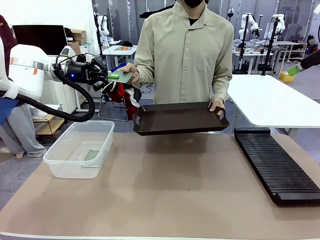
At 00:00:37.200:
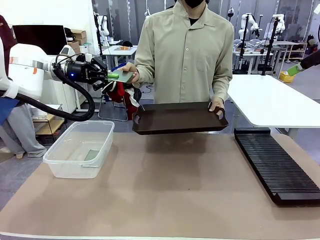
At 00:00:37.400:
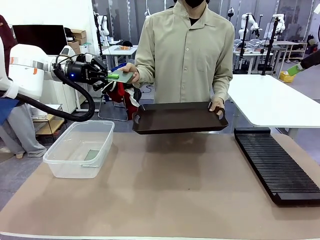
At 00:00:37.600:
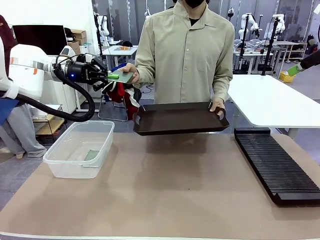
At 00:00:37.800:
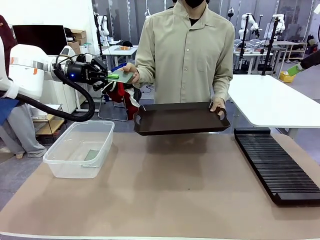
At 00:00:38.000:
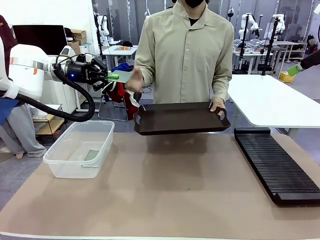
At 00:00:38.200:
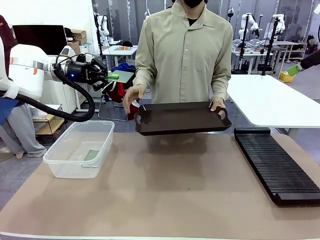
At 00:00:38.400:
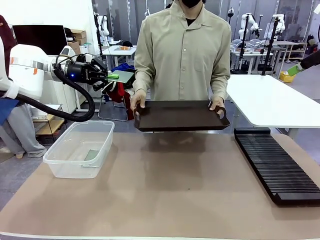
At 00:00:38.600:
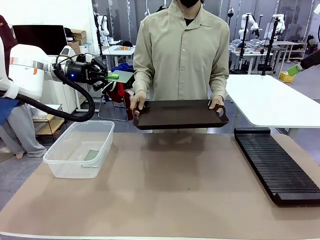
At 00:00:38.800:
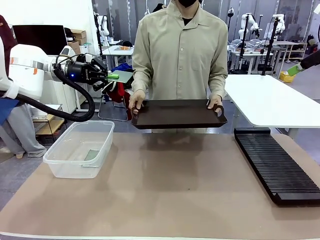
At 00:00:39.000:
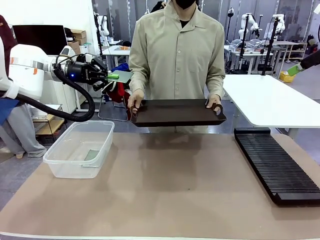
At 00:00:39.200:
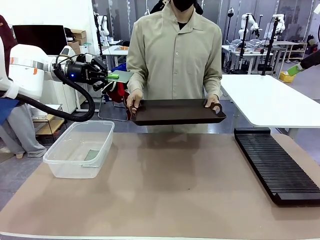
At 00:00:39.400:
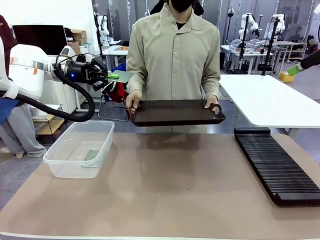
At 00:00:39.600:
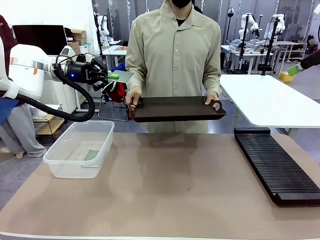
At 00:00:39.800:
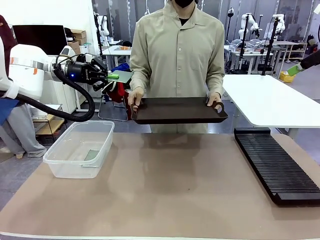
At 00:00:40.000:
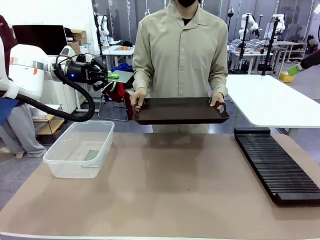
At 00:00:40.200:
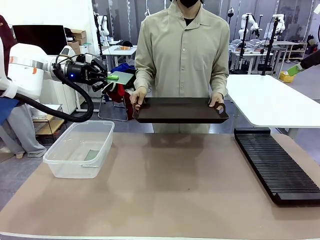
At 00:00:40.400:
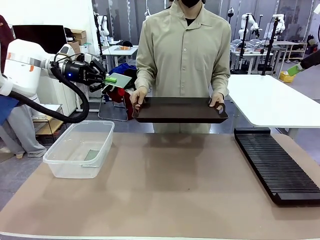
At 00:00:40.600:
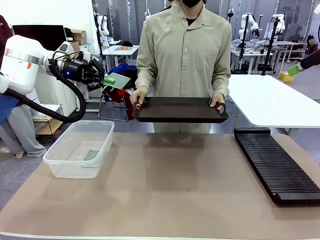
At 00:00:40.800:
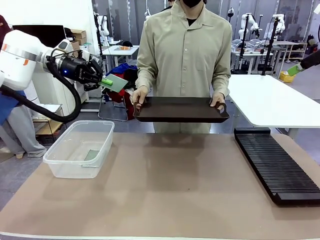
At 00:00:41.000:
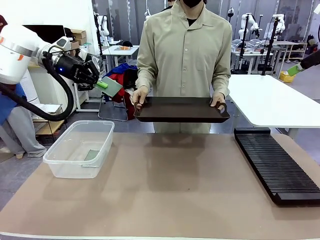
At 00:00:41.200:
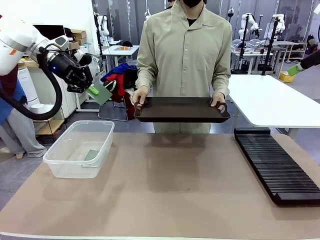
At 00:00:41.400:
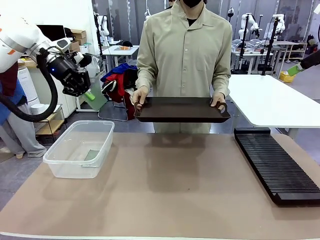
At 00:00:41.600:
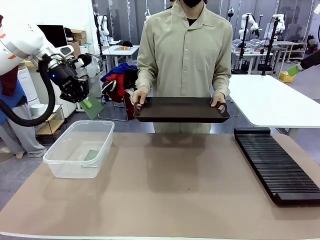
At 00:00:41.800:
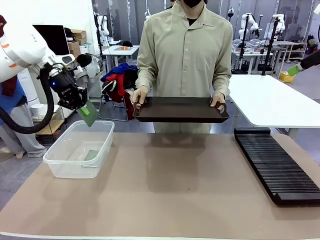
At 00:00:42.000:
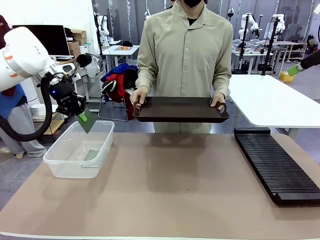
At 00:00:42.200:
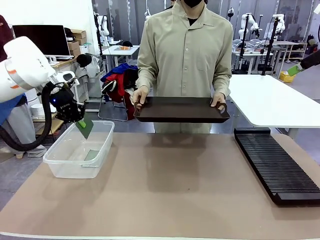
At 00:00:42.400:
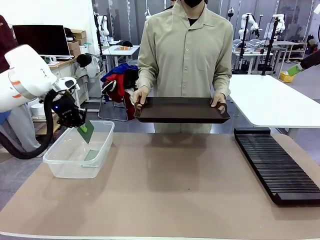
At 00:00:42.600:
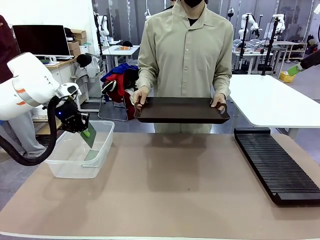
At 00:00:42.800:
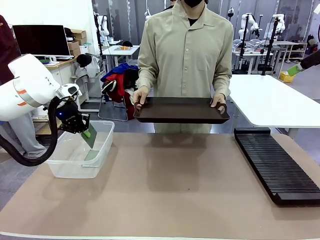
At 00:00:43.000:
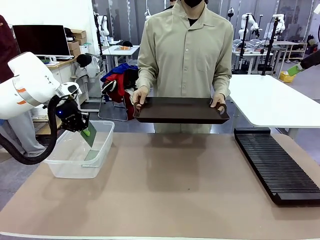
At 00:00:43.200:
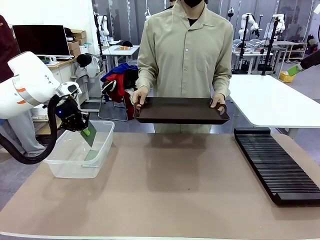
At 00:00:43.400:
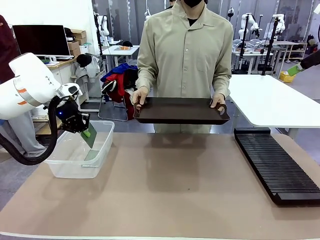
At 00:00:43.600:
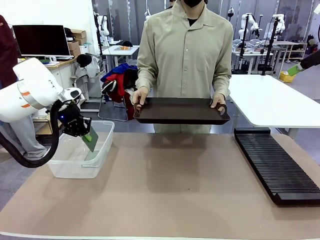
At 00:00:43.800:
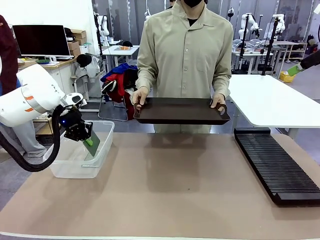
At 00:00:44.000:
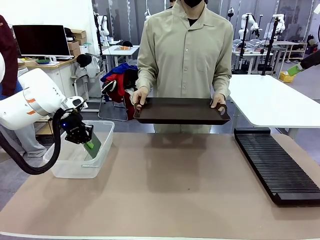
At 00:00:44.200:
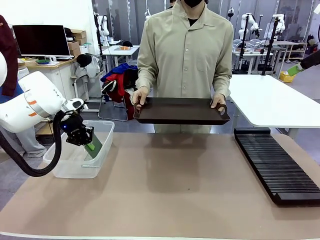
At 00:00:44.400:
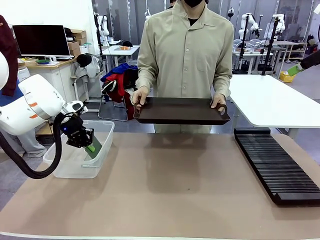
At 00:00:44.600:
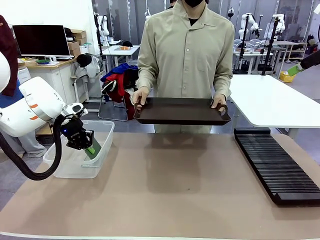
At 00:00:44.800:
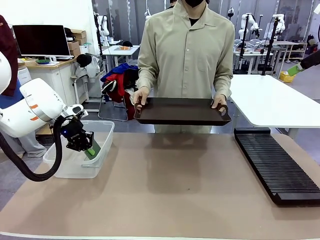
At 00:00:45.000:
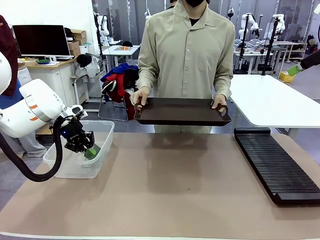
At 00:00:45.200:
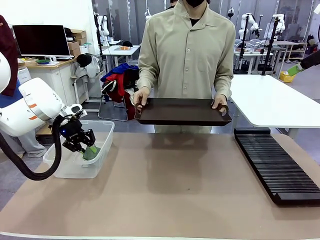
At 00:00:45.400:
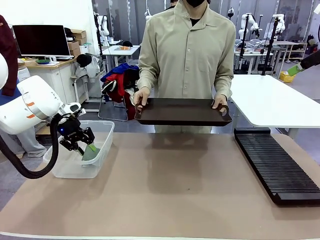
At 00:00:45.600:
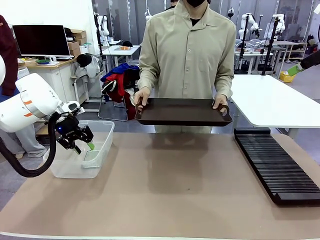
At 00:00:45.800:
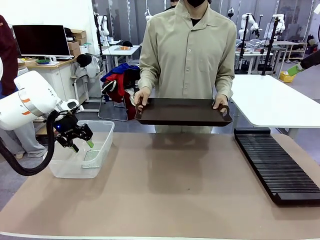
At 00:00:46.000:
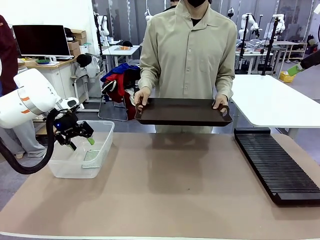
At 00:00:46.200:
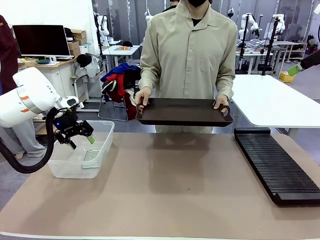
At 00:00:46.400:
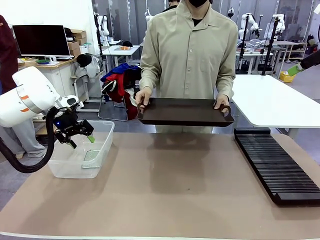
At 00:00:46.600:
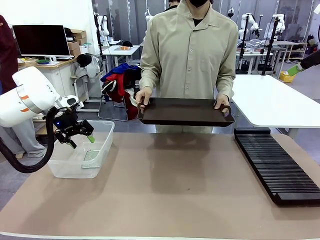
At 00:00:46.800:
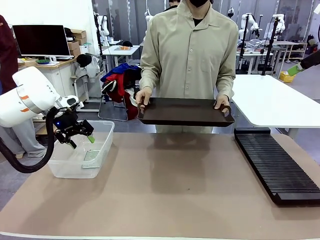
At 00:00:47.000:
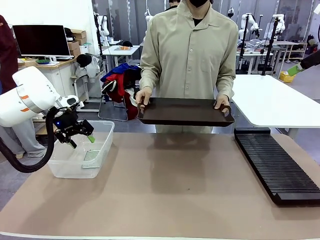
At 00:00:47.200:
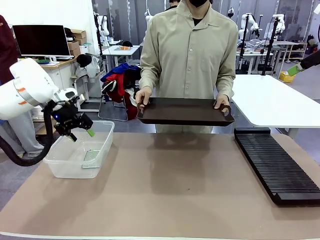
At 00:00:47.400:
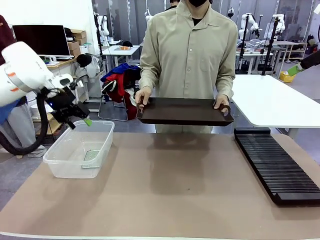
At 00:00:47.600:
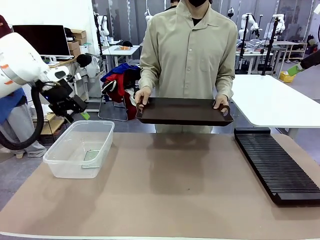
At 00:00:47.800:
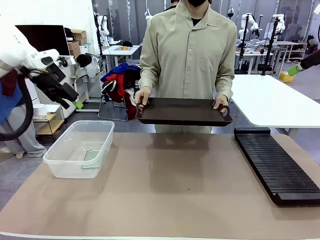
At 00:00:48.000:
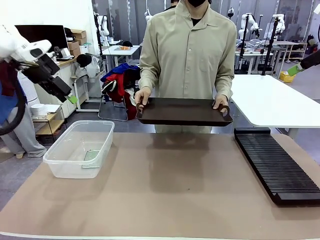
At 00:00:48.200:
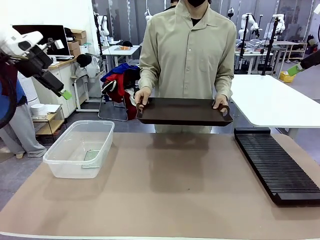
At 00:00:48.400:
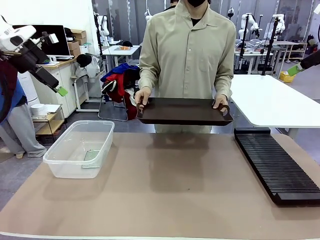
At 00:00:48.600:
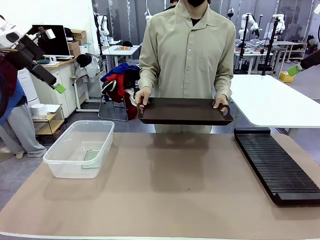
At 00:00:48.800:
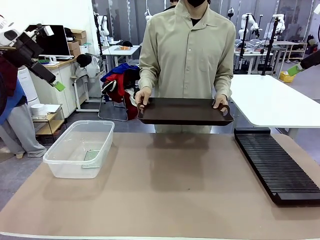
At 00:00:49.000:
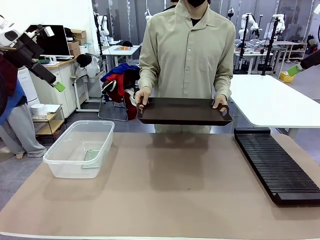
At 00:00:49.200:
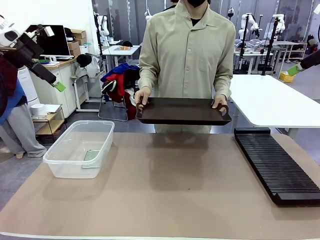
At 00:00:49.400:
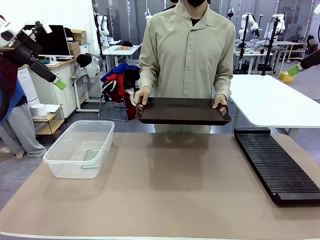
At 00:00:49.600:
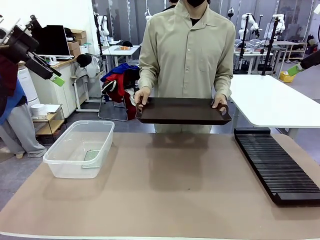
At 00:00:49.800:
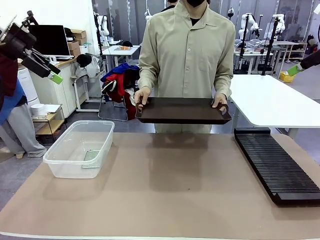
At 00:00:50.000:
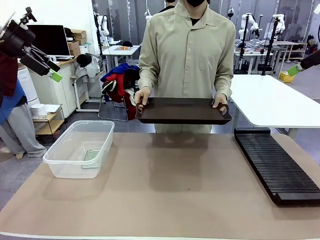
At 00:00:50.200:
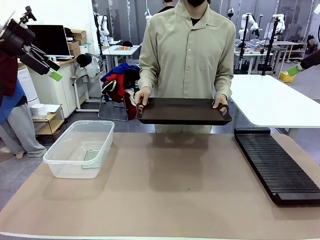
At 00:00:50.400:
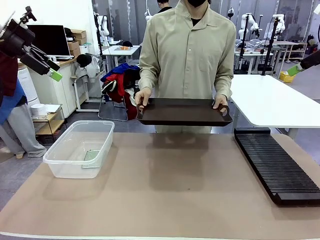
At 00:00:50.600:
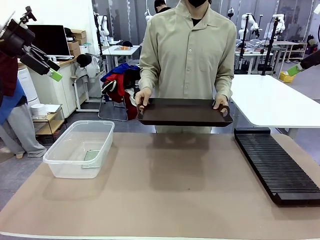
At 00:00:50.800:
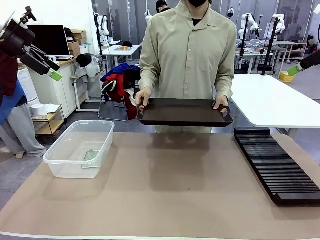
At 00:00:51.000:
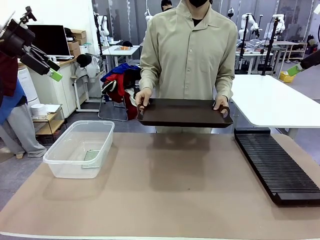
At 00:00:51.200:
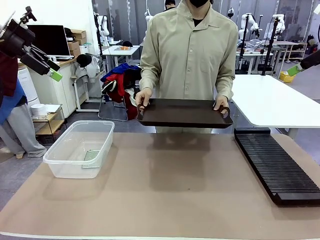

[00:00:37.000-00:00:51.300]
Task: Sort PCBs into racks and boxes based on the side picked up.
Robot: If the short side of the Blank PCB is picked up, insert it into the PCB Rack ; if the long side is picked up, place it in the Organizing box.
Person: Release the PCB being held.
